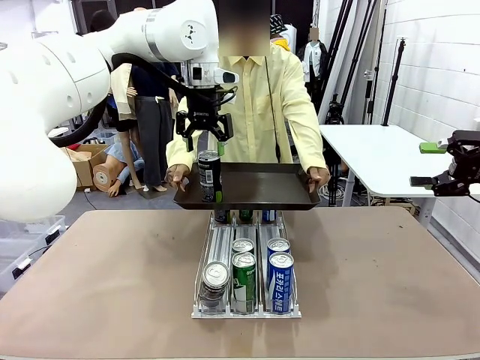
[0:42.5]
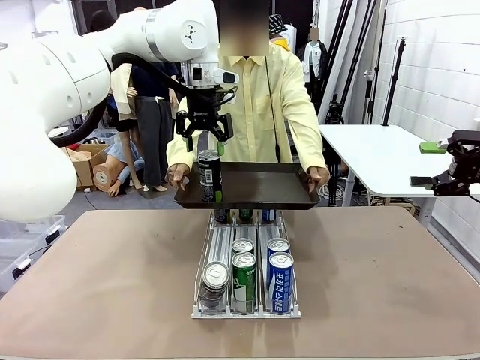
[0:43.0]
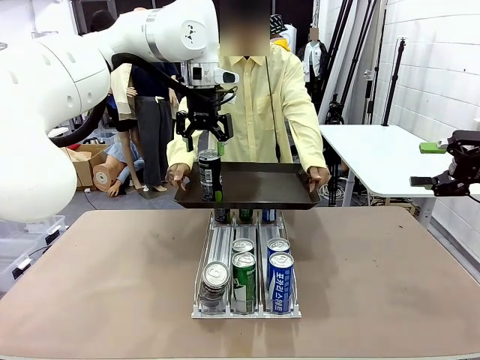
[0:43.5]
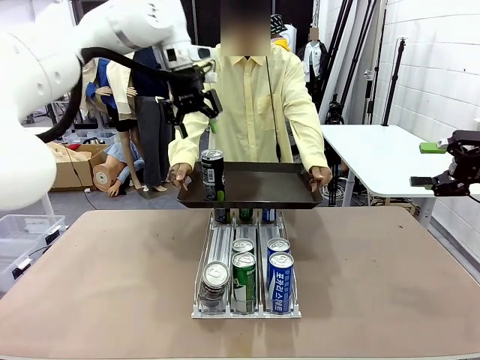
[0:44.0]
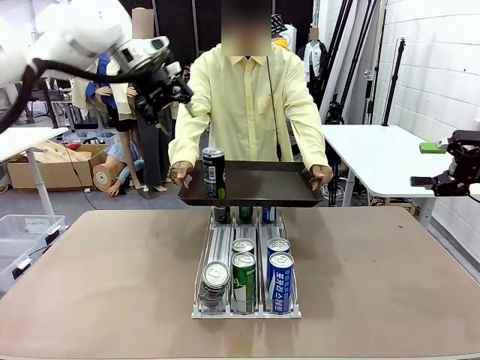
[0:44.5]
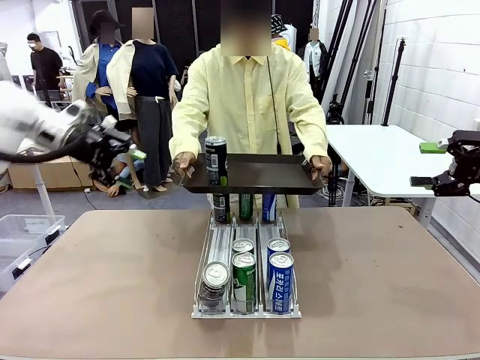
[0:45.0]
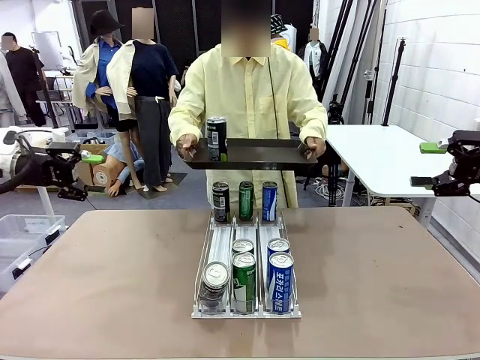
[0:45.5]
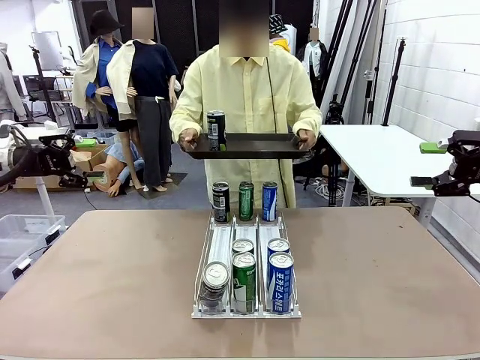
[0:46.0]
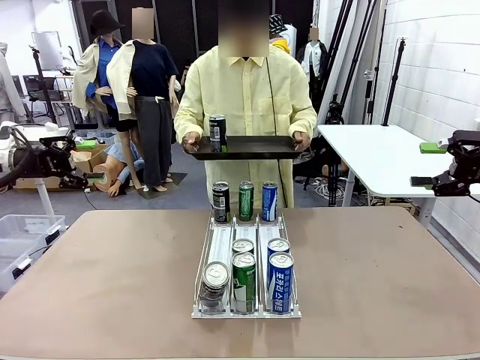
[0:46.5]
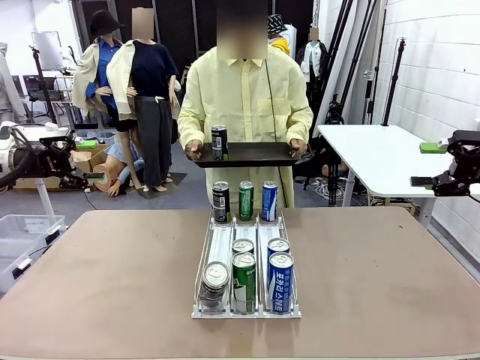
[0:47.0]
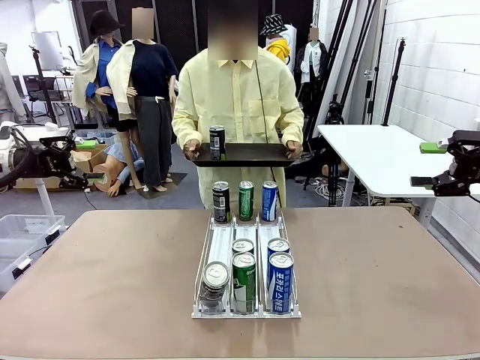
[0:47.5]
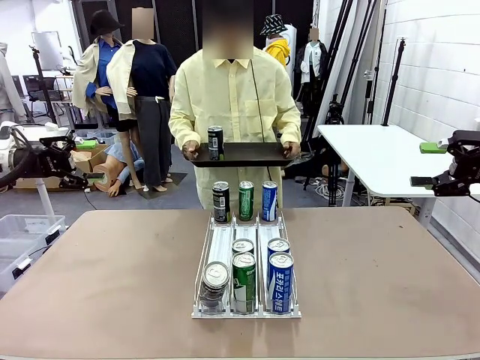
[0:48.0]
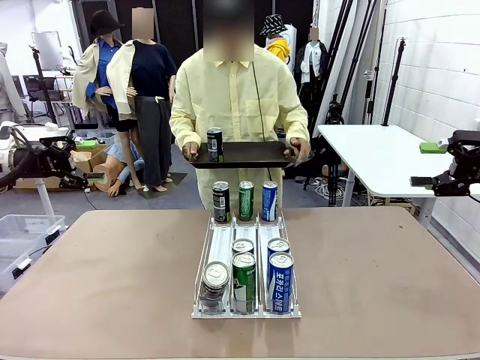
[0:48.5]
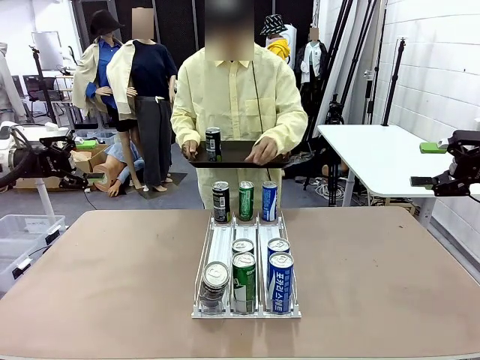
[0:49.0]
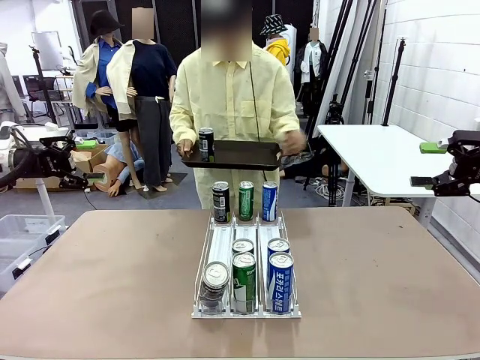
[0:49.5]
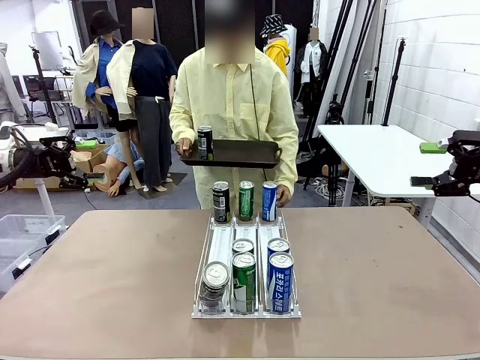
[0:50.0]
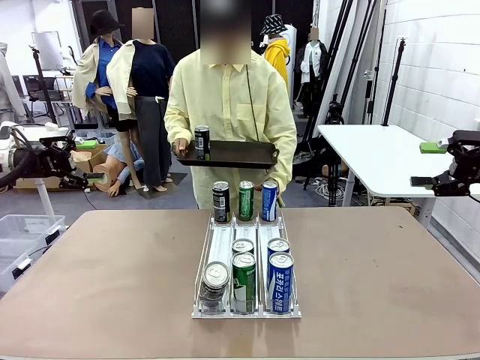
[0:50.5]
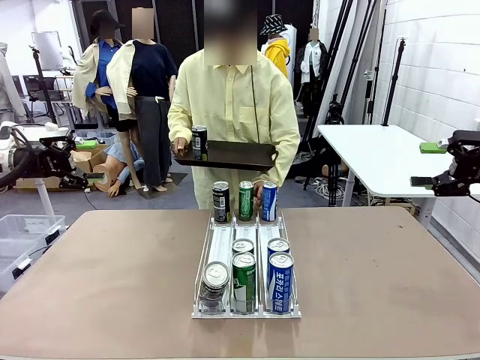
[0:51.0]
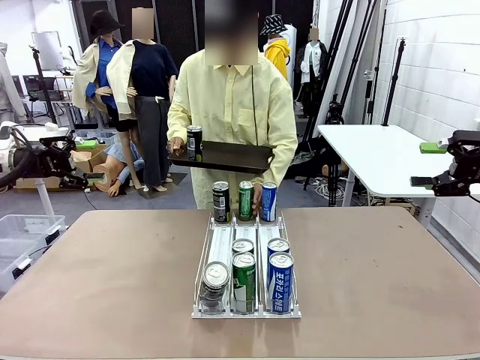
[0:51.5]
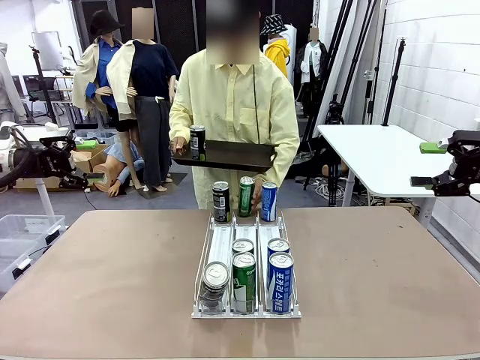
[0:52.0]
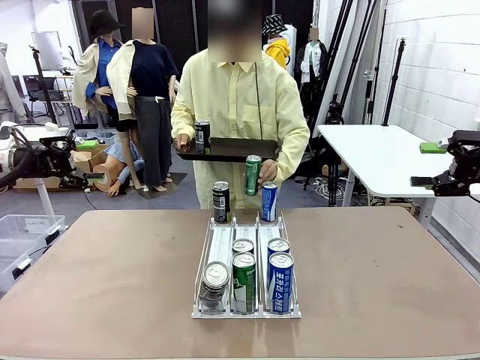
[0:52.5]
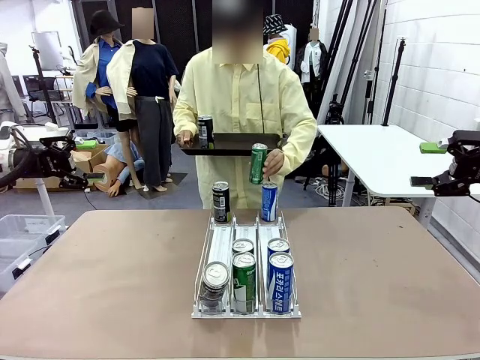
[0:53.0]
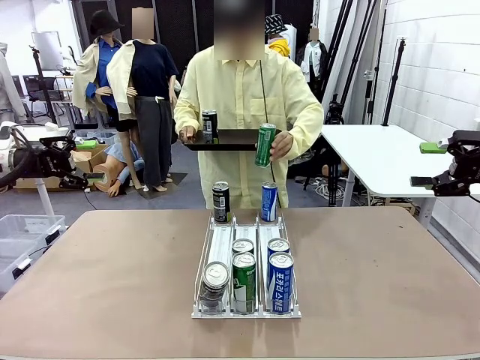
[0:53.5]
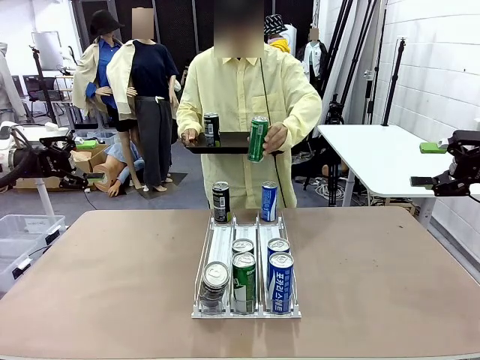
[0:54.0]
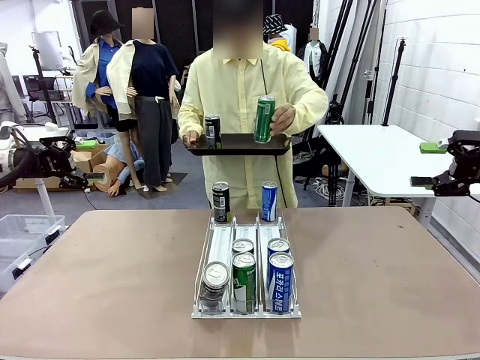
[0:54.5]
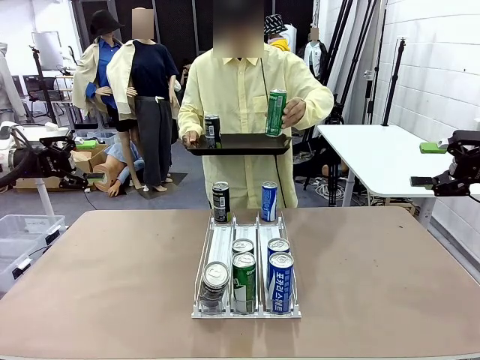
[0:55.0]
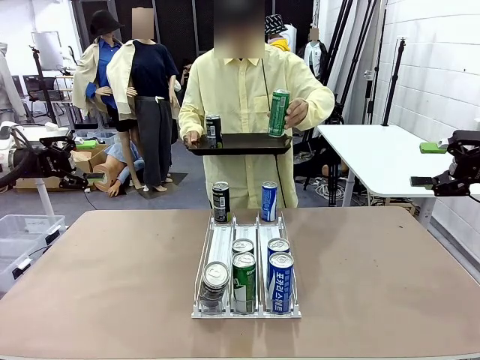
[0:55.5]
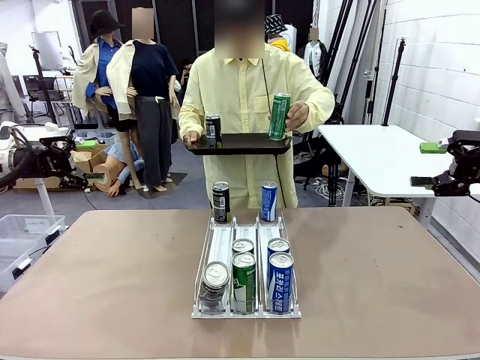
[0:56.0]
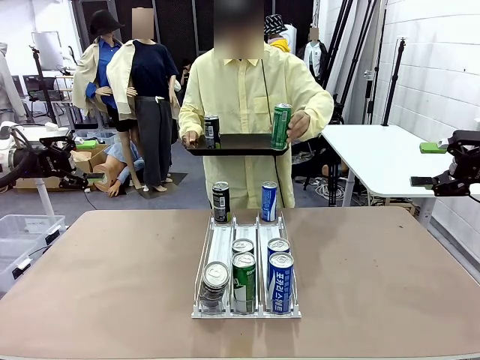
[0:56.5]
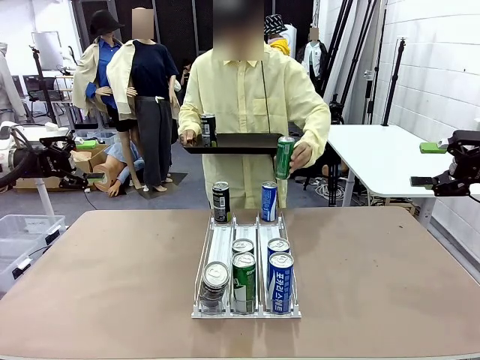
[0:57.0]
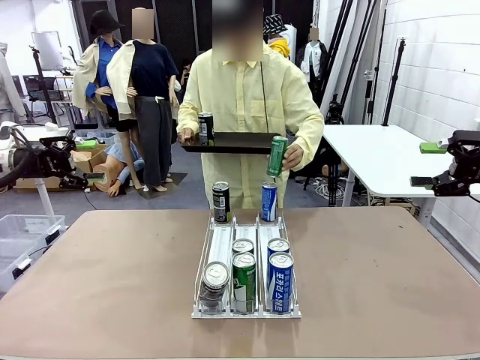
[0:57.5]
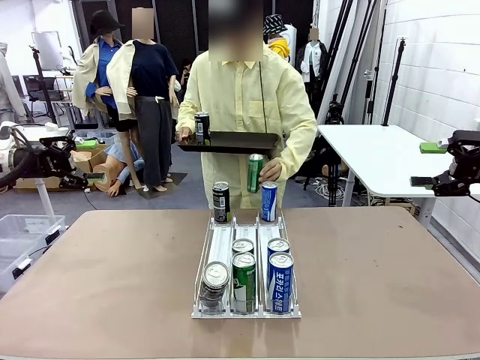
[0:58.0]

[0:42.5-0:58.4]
Task: Retrieve and hand over the desired beverage to the person.
Robot: Pick up another can of the same type that the person held from the Automatic Can Dispenser.
Person: Pull the tray back, then pick up another can from the bottom area of the table and puts it back in its original place.

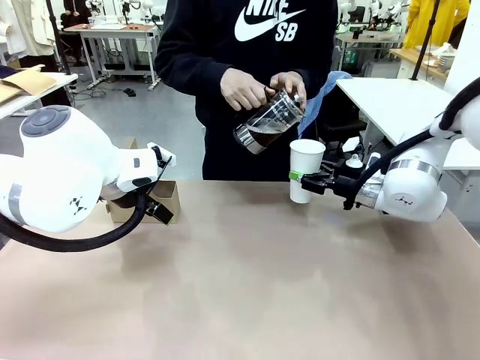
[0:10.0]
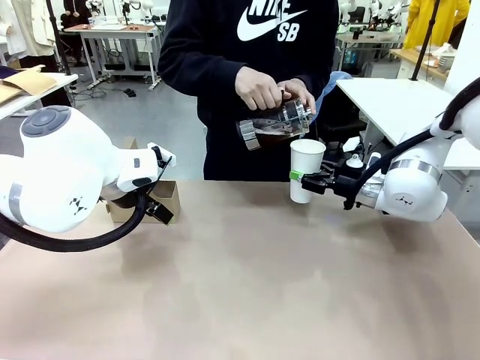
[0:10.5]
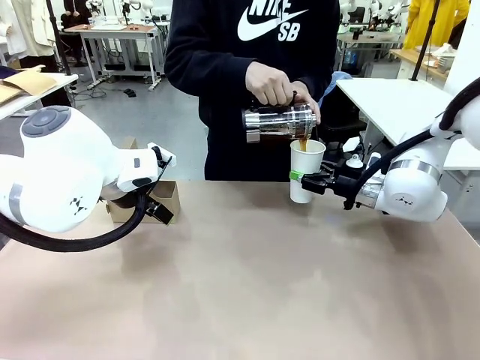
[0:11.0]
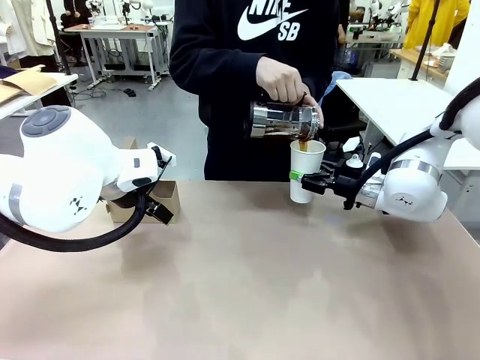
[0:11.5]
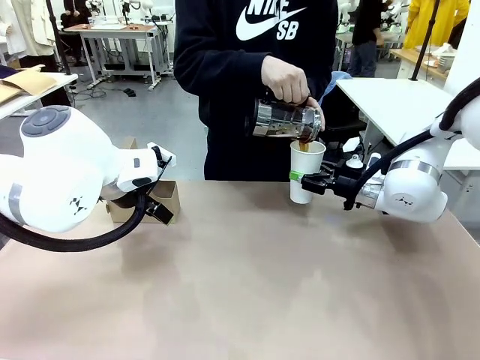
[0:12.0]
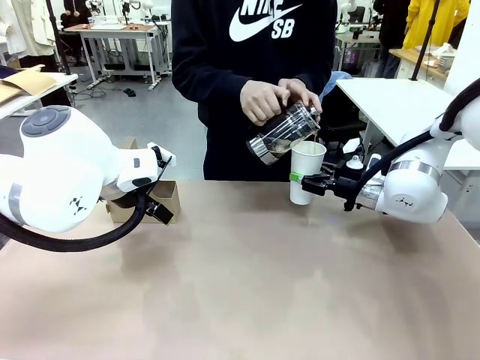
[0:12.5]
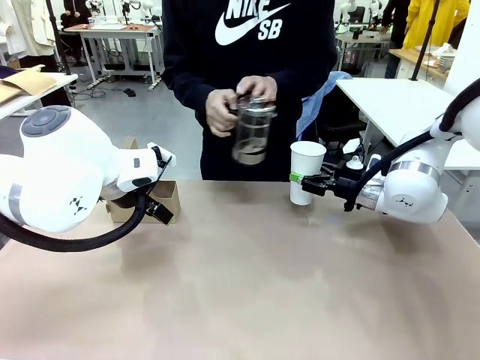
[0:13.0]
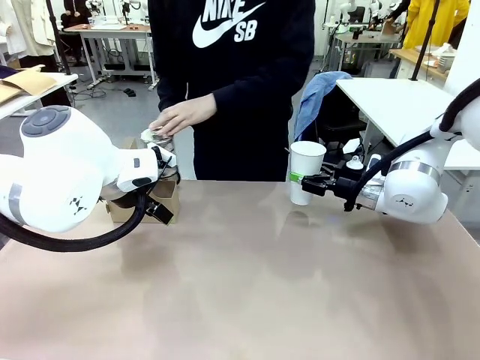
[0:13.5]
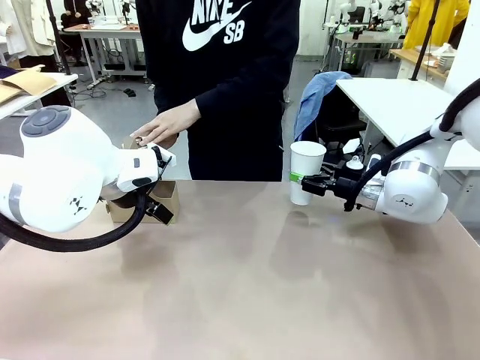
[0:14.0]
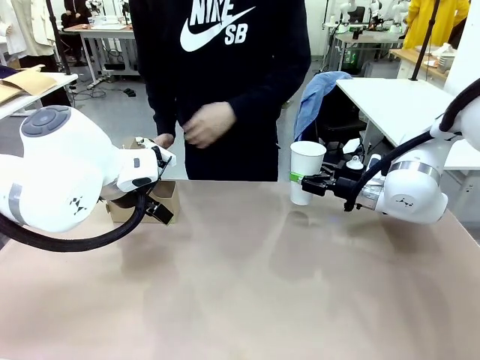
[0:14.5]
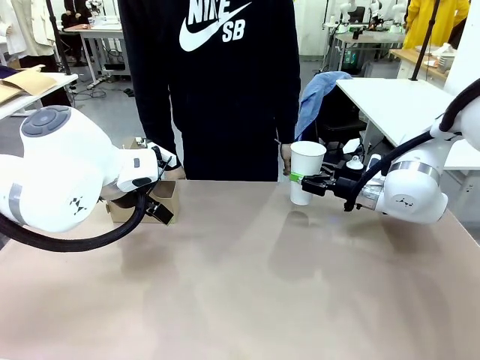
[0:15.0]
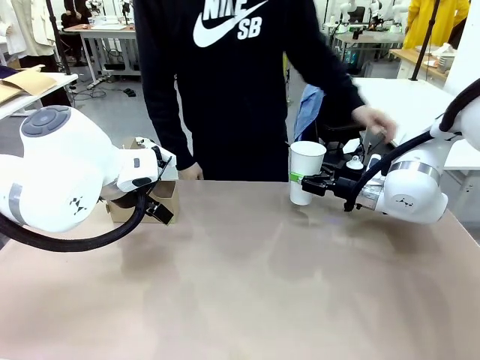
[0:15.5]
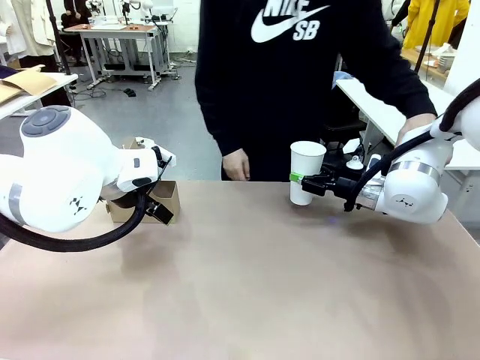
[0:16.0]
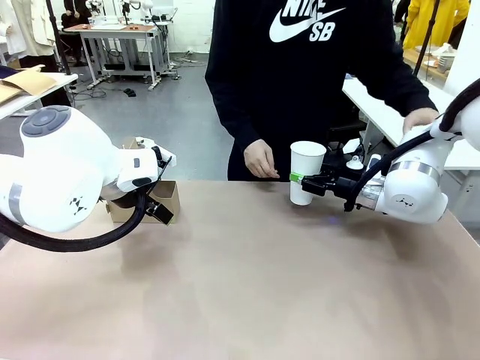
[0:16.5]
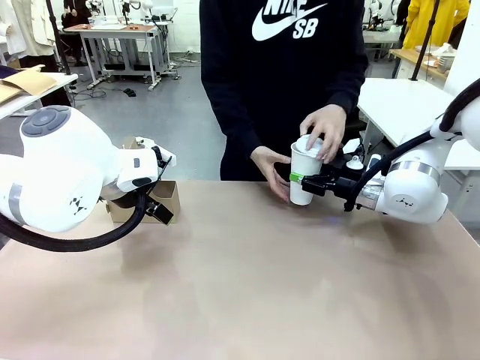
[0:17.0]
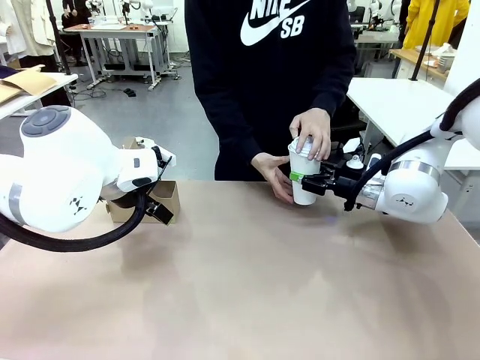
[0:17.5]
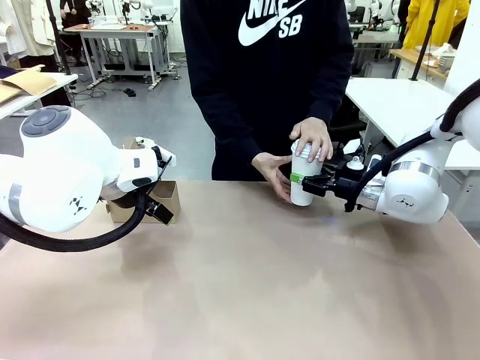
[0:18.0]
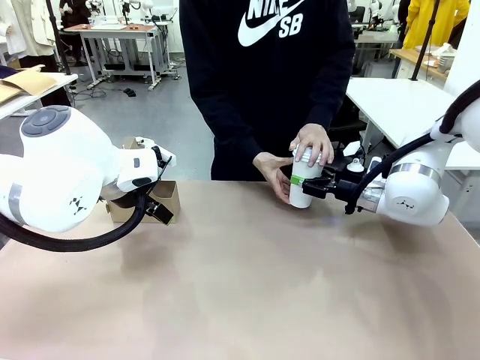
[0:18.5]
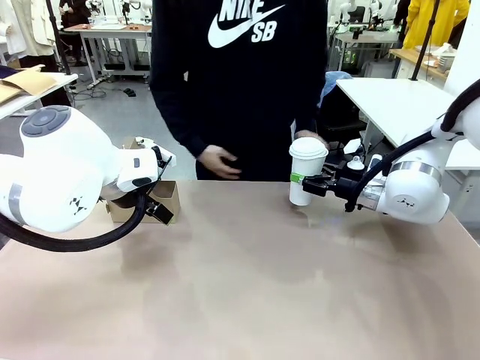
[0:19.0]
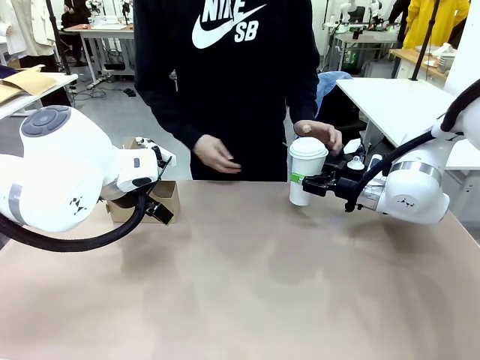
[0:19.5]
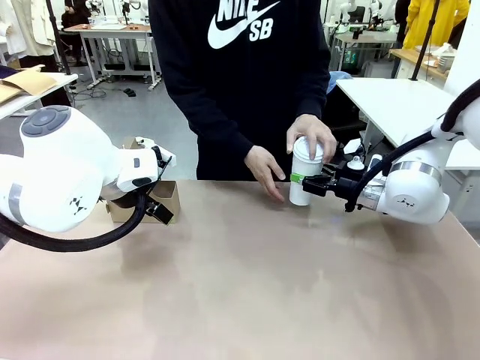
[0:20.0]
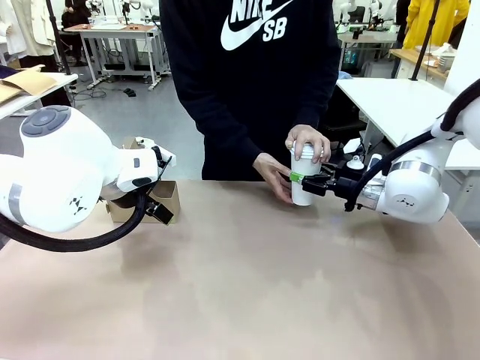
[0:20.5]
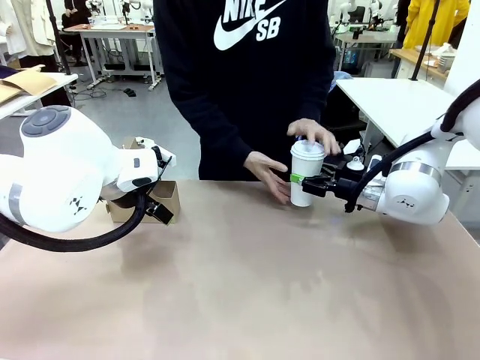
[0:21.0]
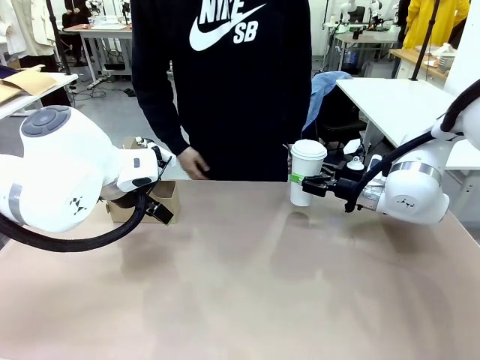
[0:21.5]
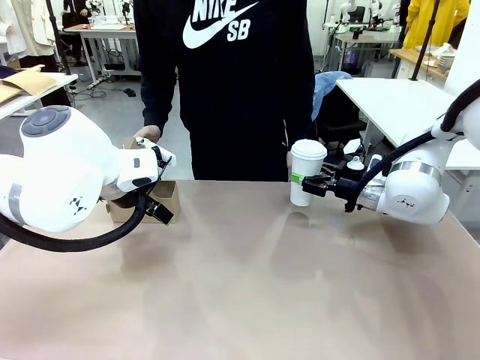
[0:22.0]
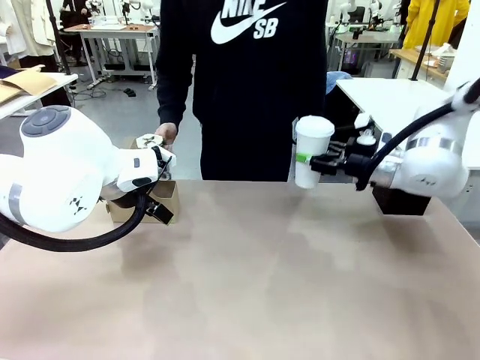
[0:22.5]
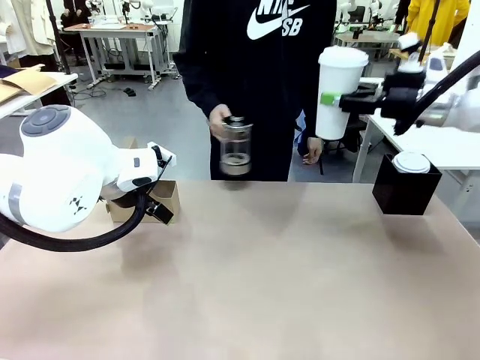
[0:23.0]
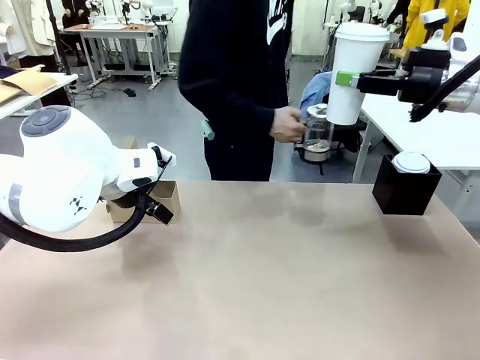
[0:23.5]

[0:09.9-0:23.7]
Task: Pour a drink into a cup and package it in a carrier.
Robot: When a person places the Paper Cup Lid on the 600 ml Paper Cup , lift the 600 ml Paper Cup.
Person: Pour the drink from the Filter Brewing into the 600 ml Paper Cup. Place a Paper Cup Lid on the 600 ml Paper Cup.
